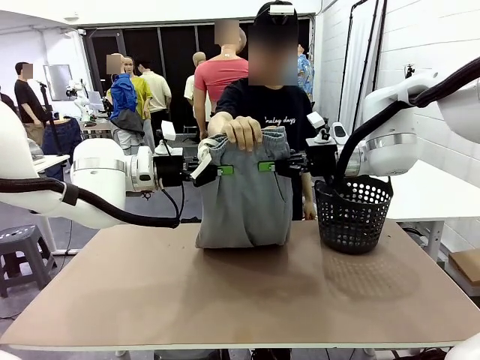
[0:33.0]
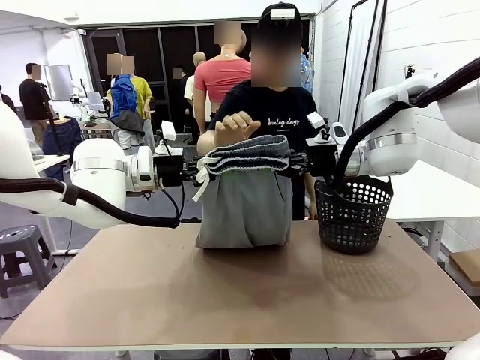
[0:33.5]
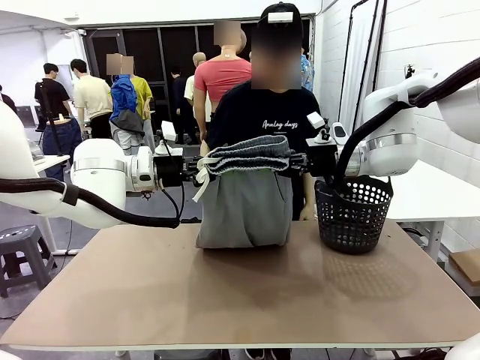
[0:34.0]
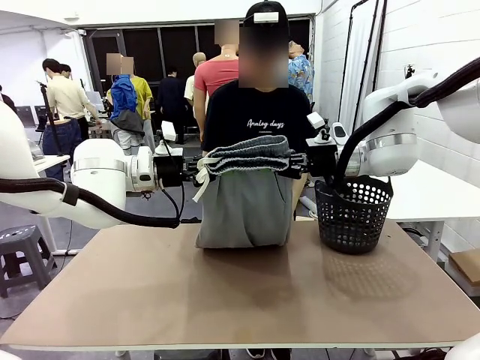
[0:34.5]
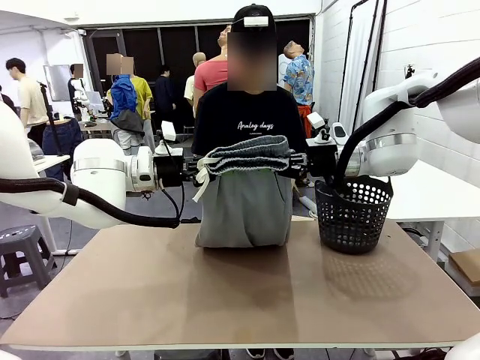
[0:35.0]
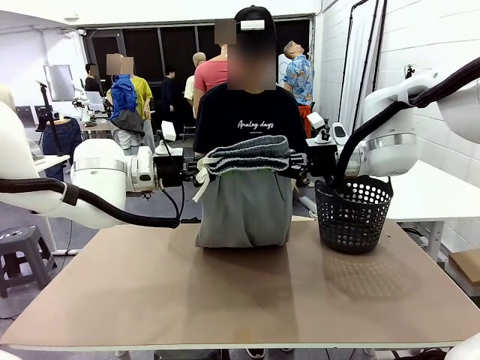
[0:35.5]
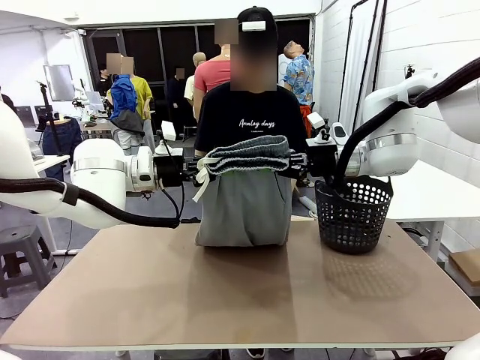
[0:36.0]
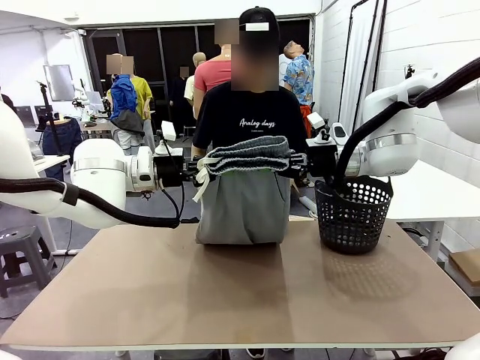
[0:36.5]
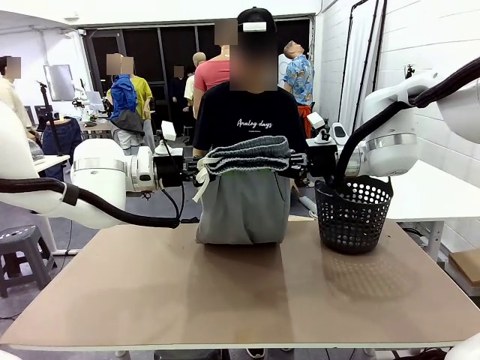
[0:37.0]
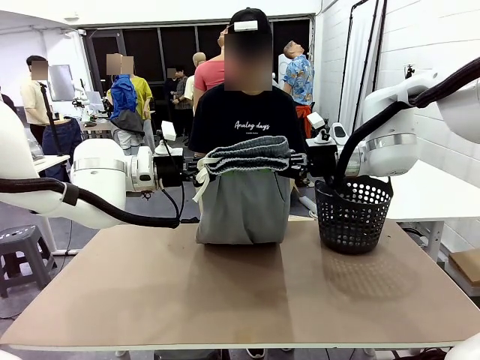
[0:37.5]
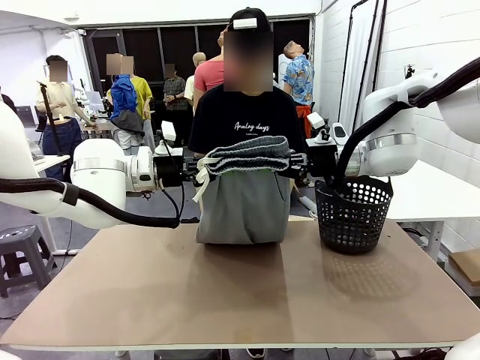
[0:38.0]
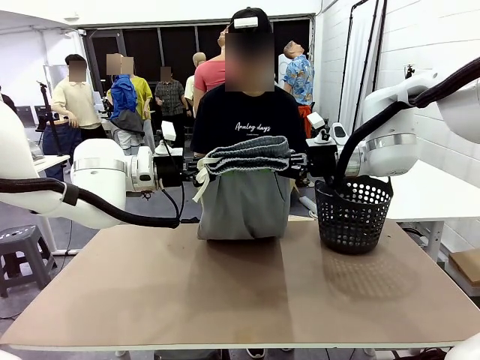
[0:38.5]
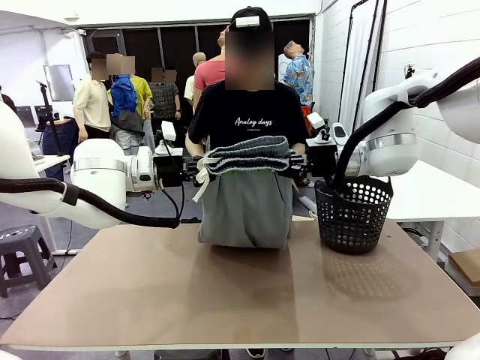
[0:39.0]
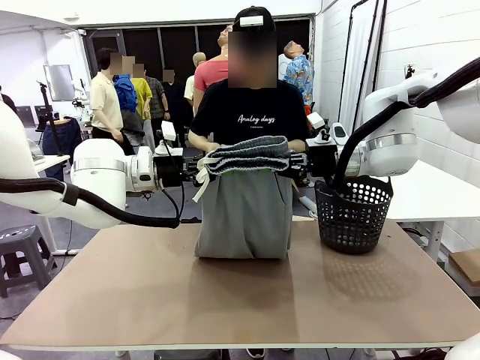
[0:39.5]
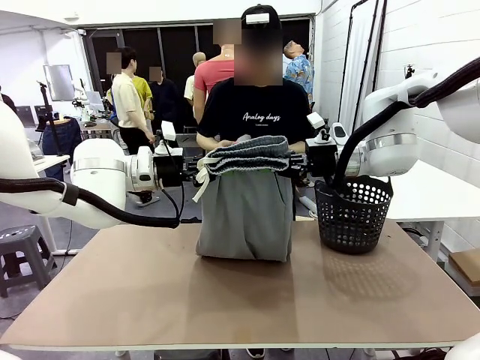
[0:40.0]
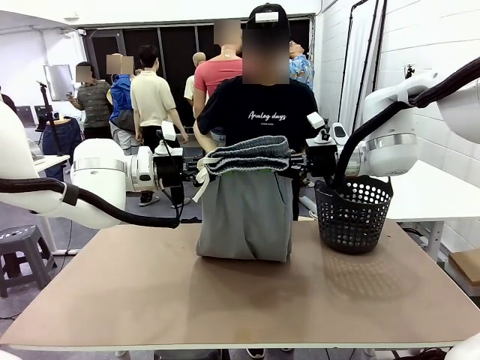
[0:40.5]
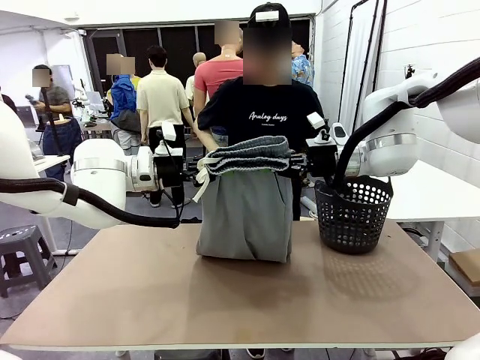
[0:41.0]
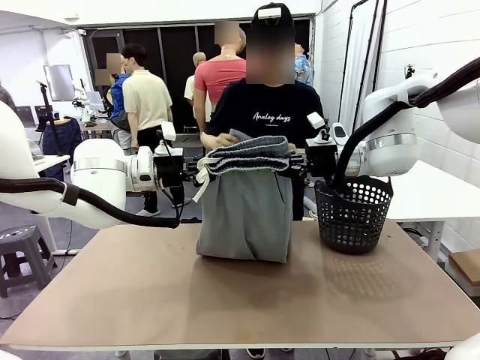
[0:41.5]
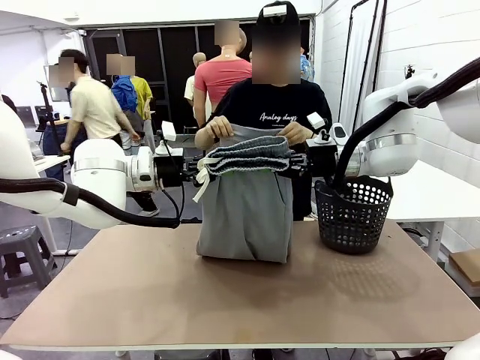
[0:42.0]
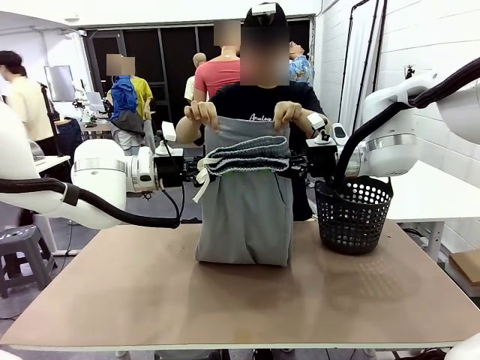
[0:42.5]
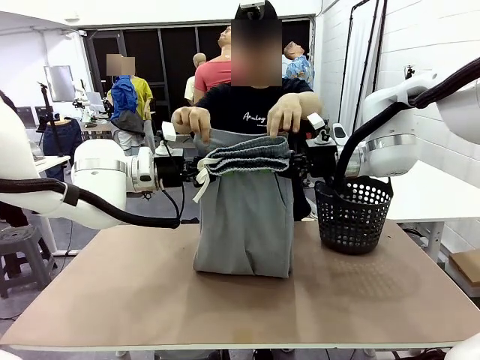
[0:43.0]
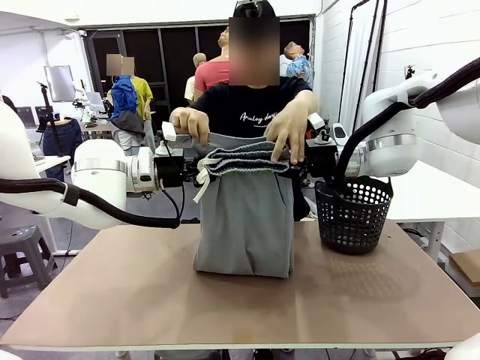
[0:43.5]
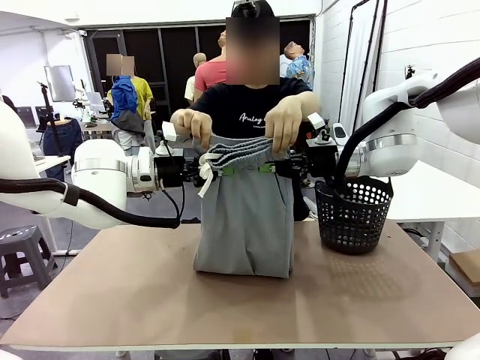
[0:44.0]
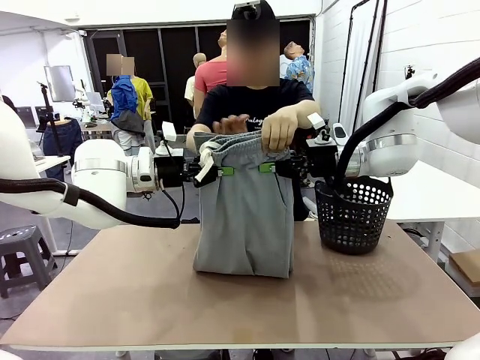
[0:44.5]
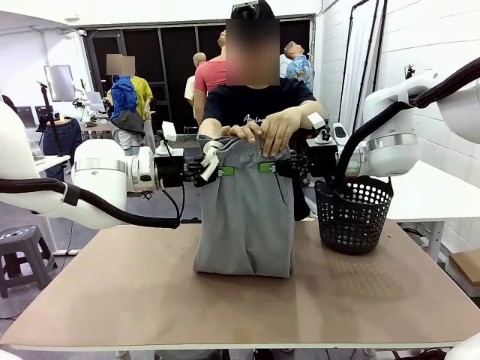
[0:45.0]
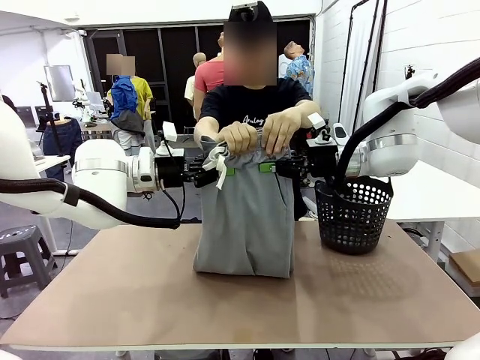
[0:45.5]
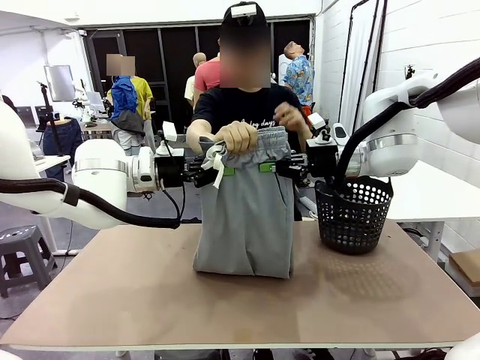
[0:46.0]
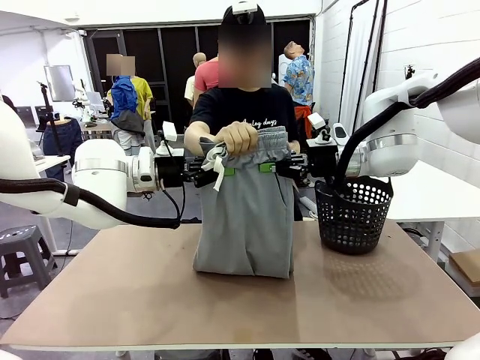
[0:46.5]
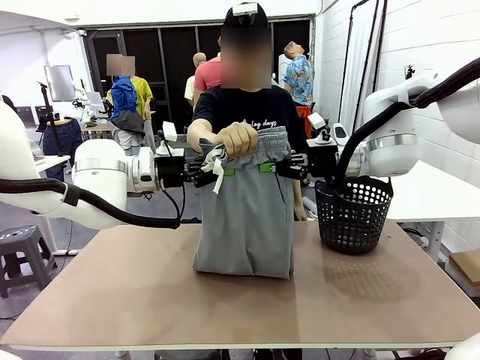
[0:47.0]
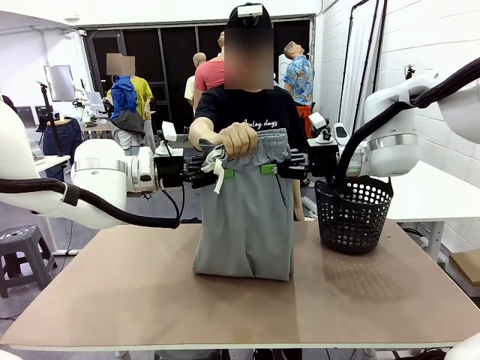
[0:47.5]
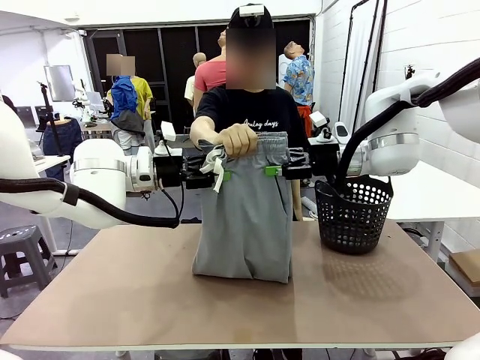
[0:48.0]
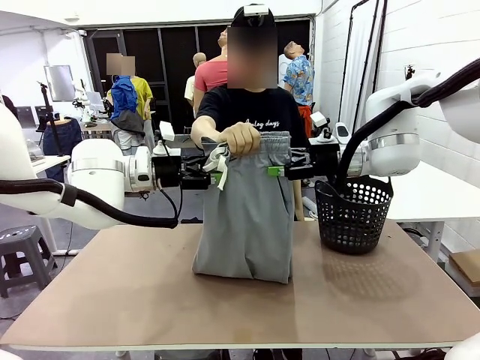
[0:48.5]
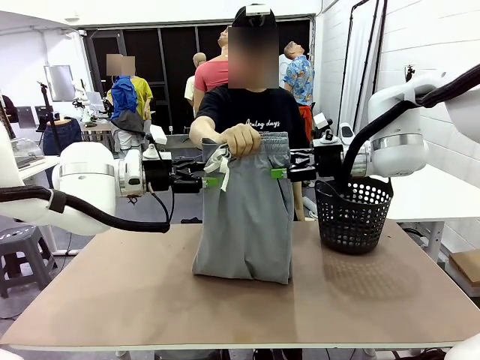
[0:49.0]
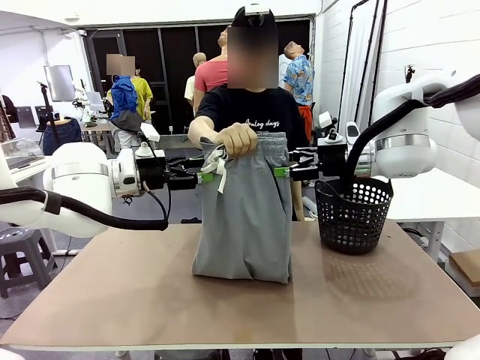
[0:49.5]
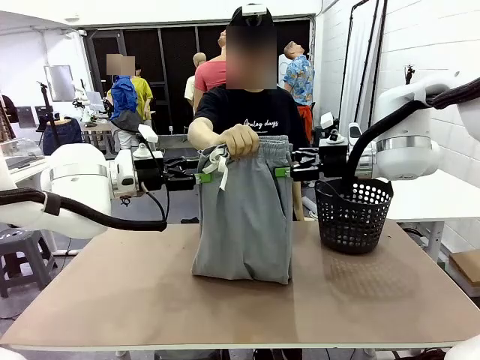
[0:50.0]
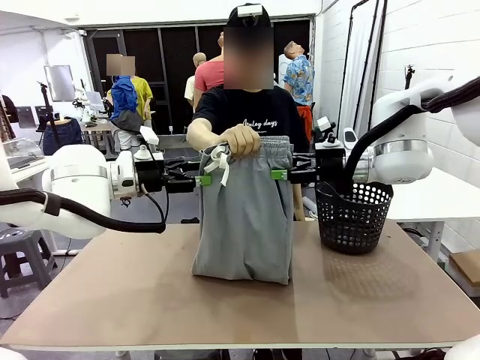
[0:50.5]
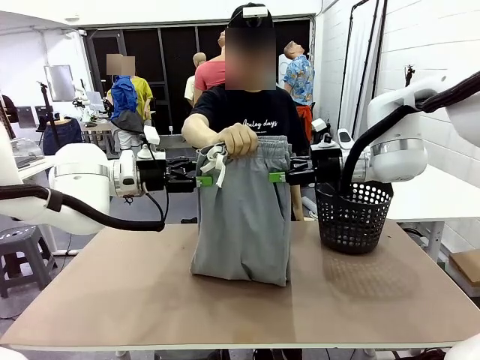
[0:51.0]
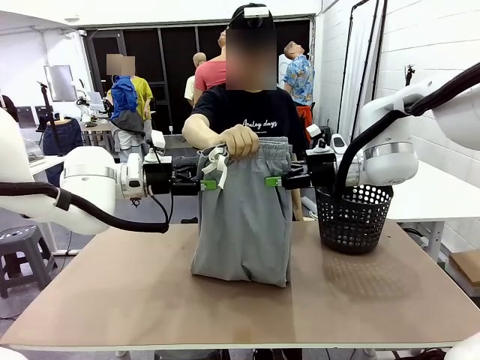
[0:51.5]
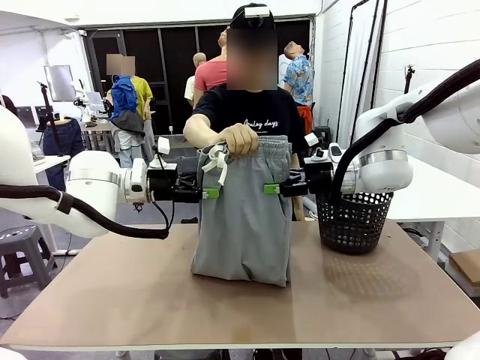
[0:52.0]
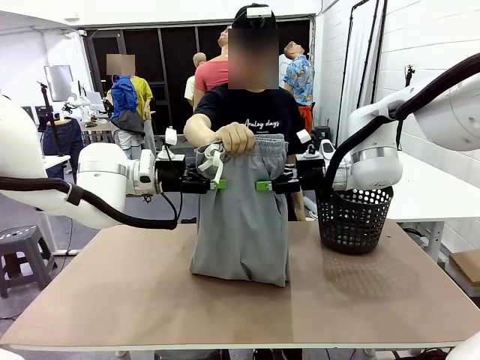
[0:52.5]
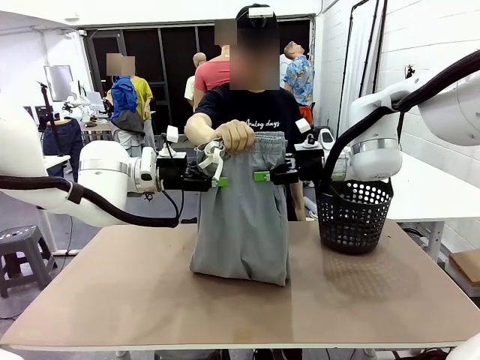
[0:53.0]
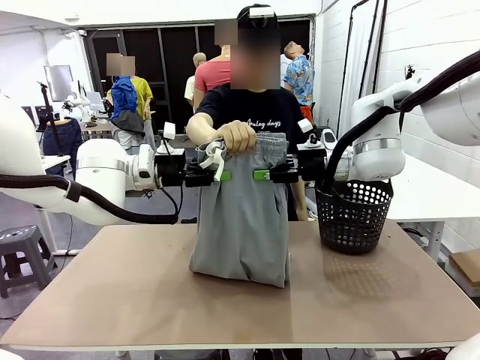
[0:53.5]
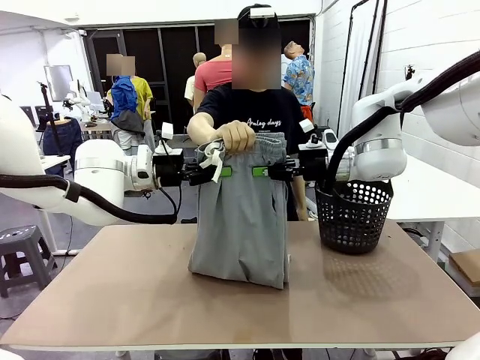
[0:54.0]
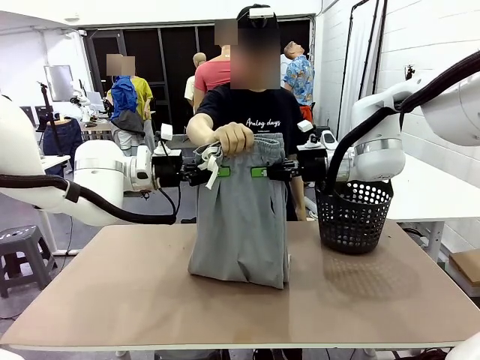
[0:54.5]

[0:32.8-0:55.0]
Task: Fold the training pants.
Robot: Release the ends of the Training pants and then grab the overlapped ends.
Person: Grasp the end opposite the point the robot is holding, fold the pants in half, and then grasp the overlapping top end of the folded pants. Release the pants you were holding.

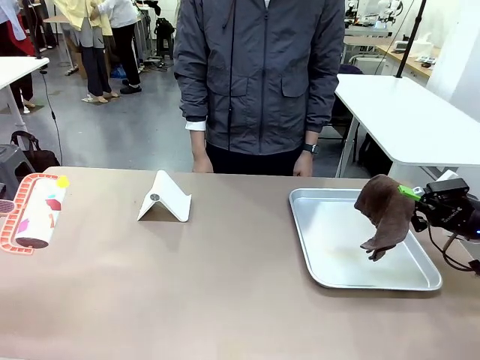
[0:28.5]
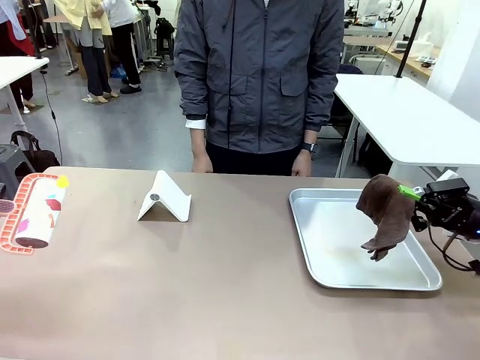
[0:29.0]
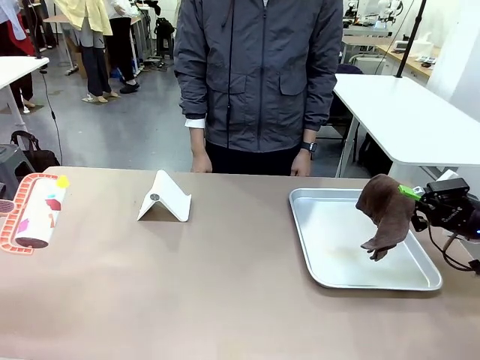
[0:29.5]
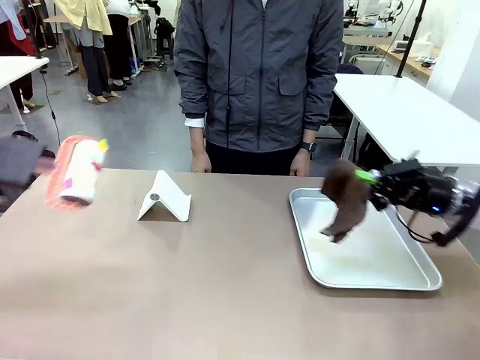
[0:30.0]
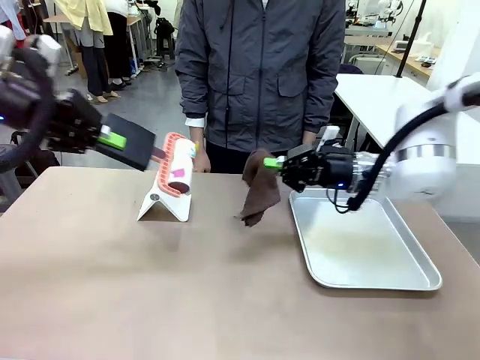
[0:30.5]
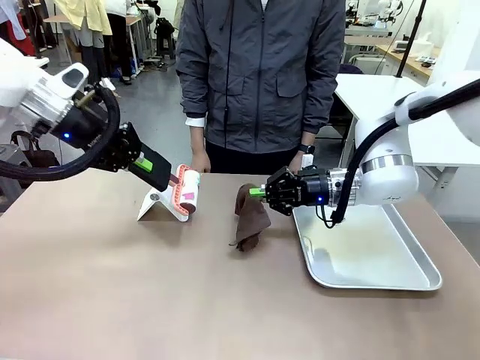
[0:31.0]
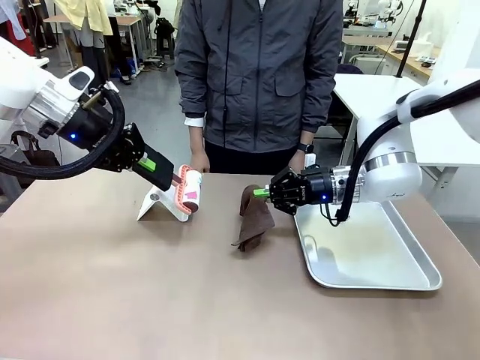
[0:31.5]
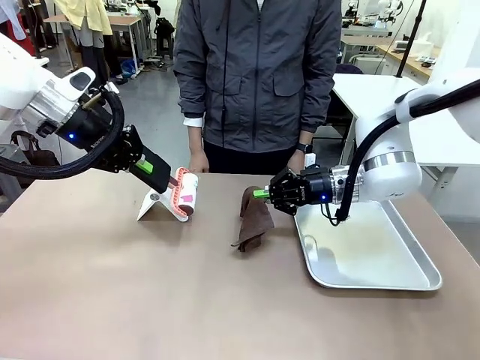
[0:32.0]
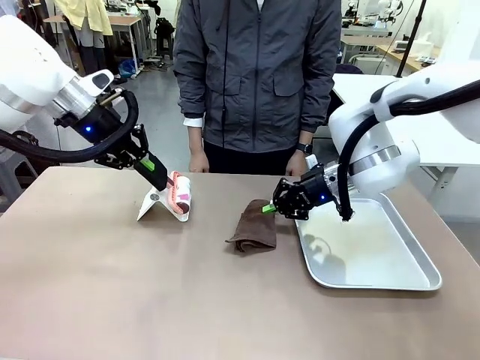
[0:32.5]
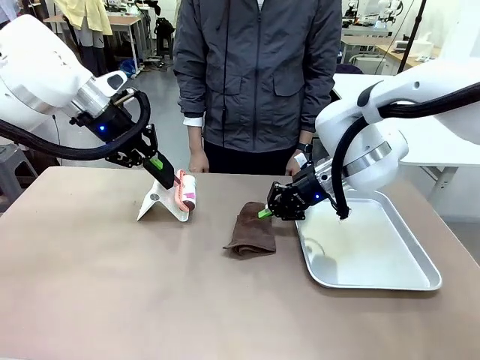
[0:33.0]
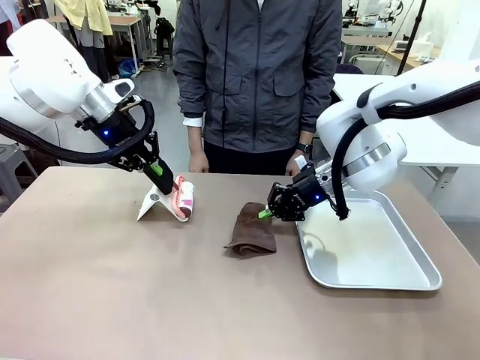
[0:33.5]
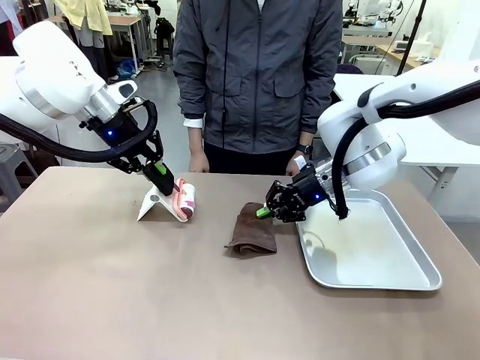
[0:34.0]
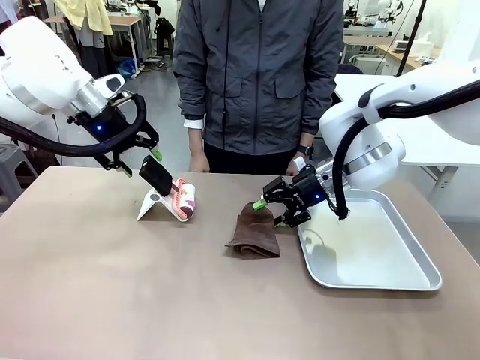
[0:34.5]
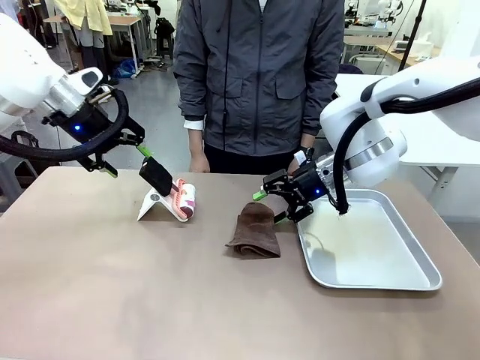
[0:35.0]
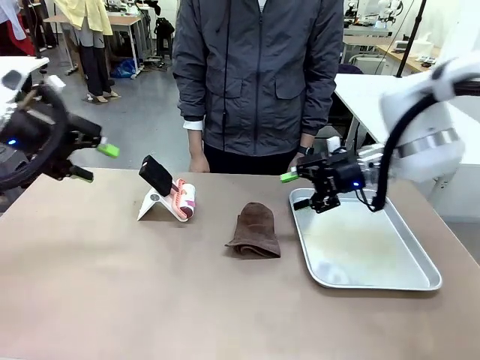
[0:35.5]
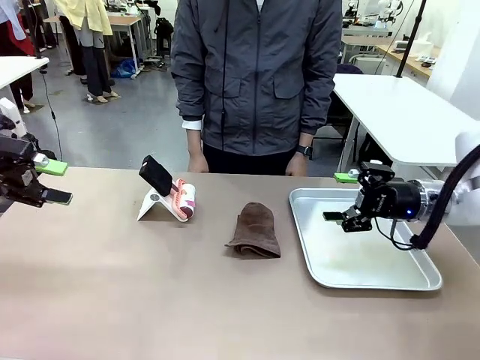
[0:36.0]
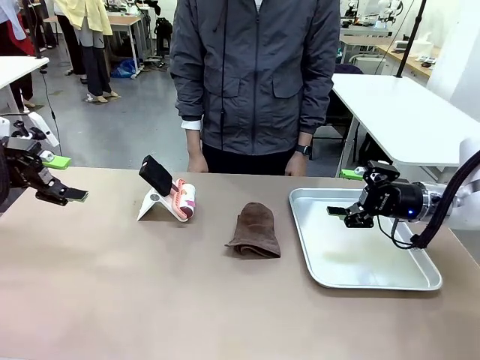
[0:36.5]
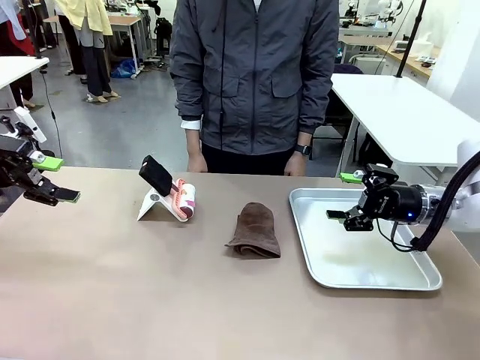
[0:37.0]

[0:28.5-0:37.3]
Task: Clean the surface of the table.
Robot: Return the Lint Roller and towel to their original positions.
